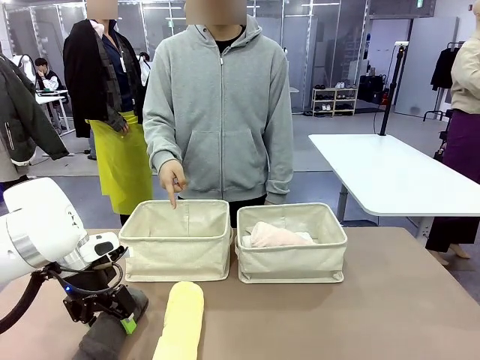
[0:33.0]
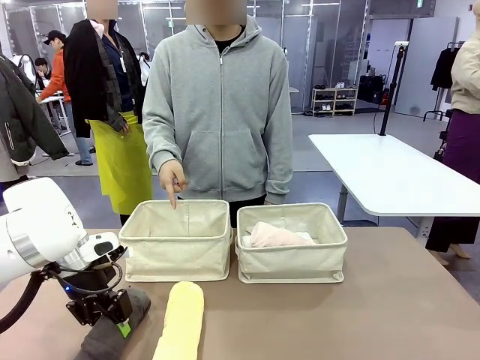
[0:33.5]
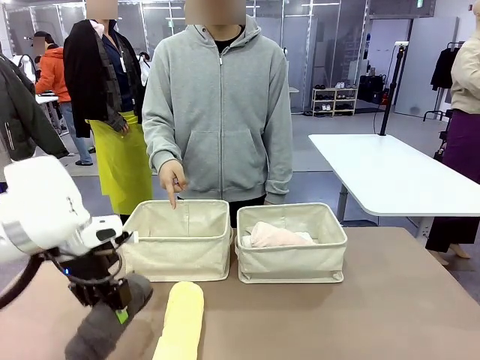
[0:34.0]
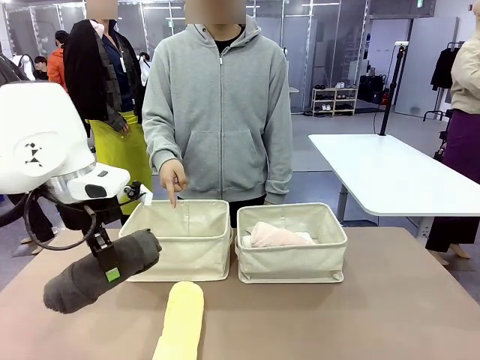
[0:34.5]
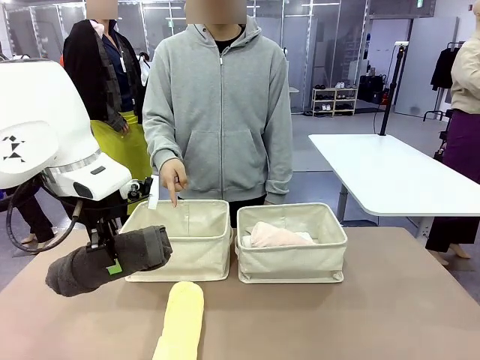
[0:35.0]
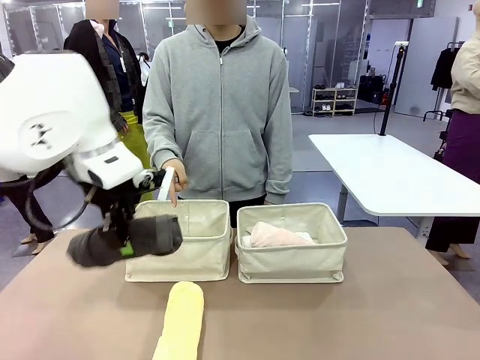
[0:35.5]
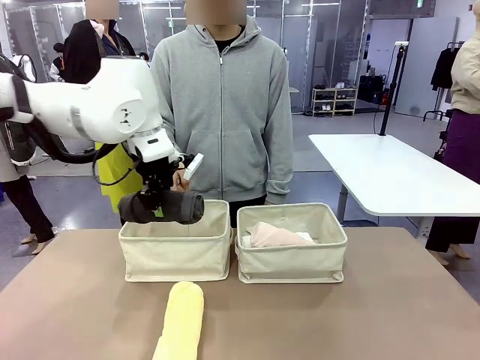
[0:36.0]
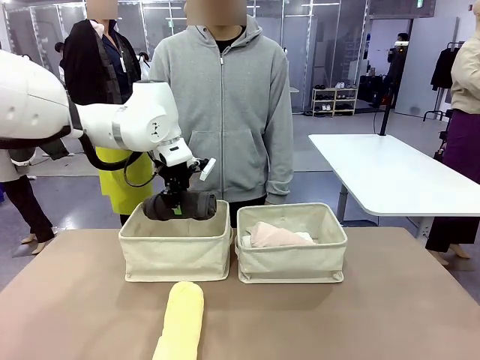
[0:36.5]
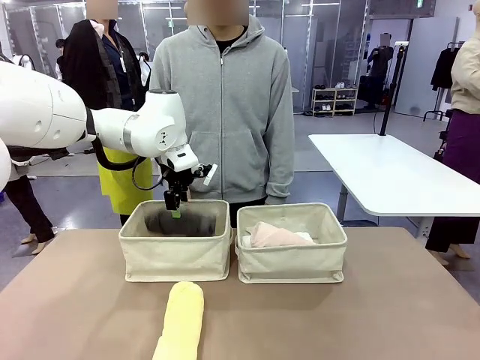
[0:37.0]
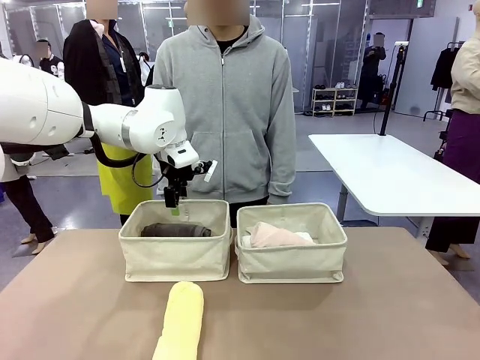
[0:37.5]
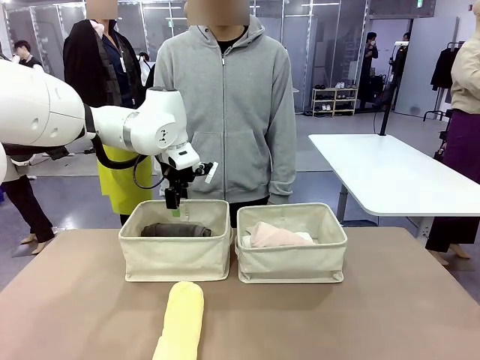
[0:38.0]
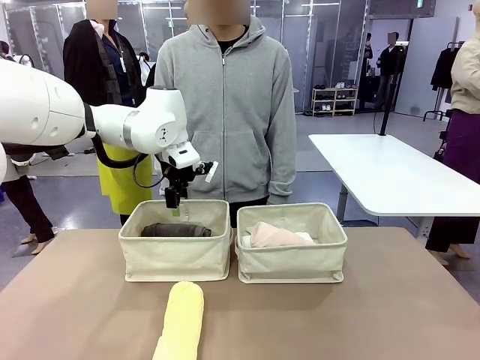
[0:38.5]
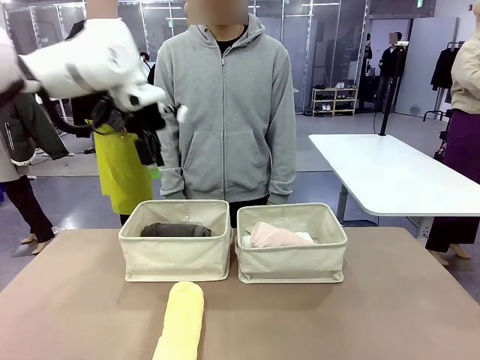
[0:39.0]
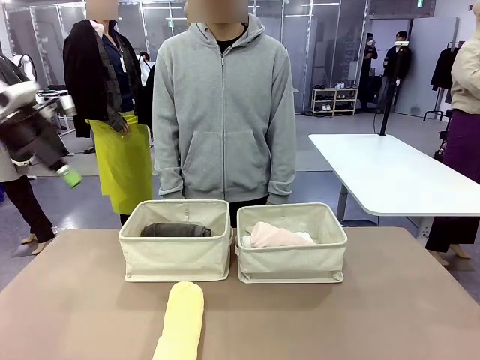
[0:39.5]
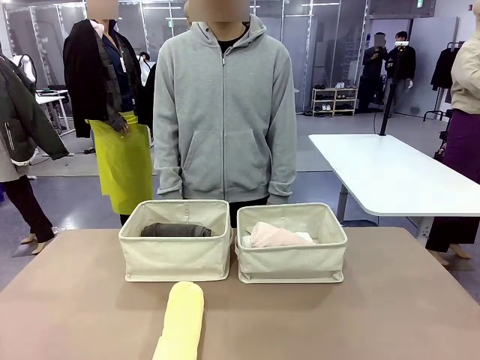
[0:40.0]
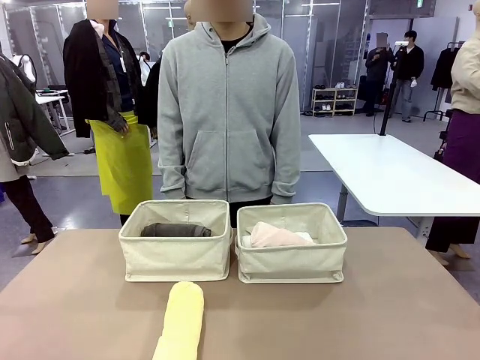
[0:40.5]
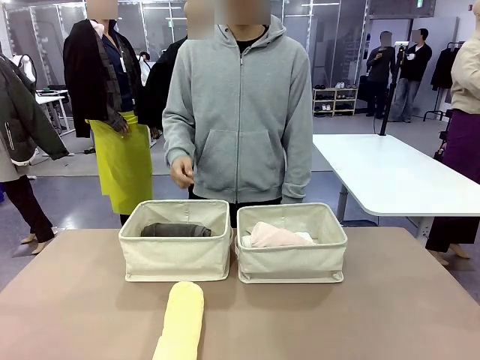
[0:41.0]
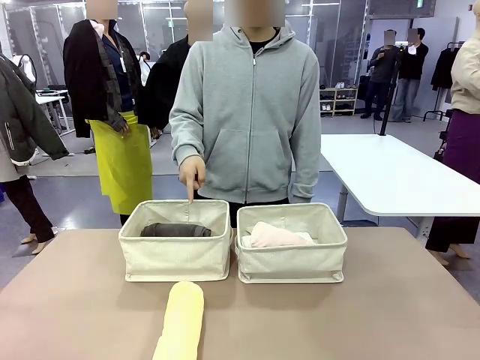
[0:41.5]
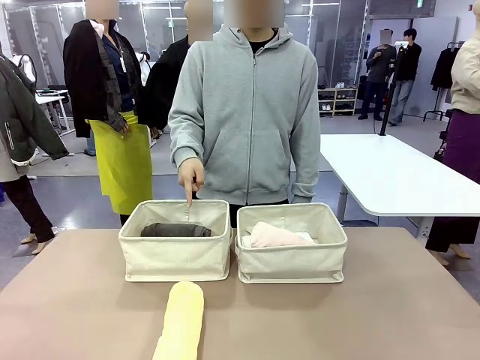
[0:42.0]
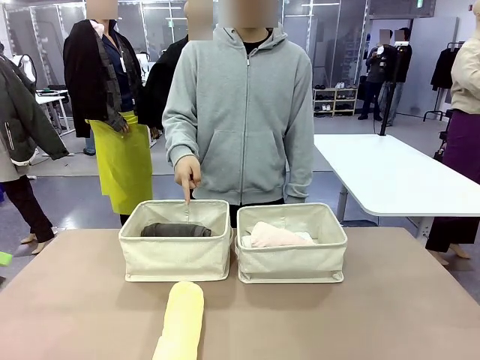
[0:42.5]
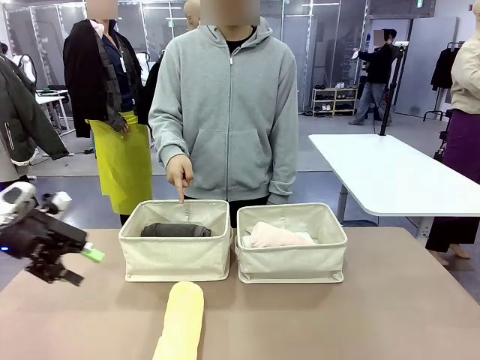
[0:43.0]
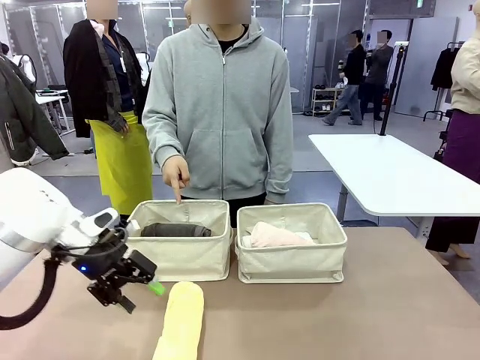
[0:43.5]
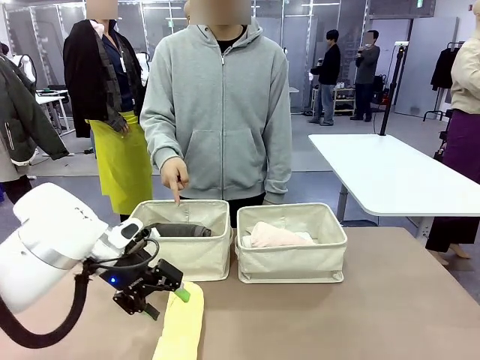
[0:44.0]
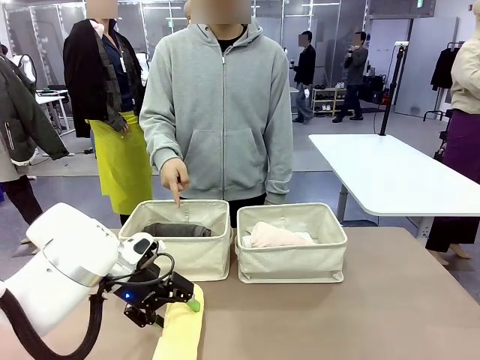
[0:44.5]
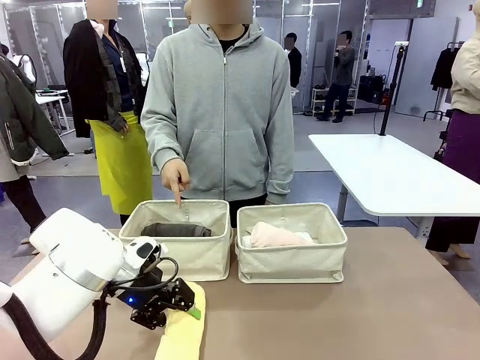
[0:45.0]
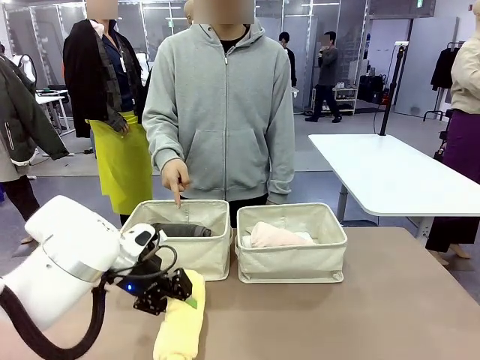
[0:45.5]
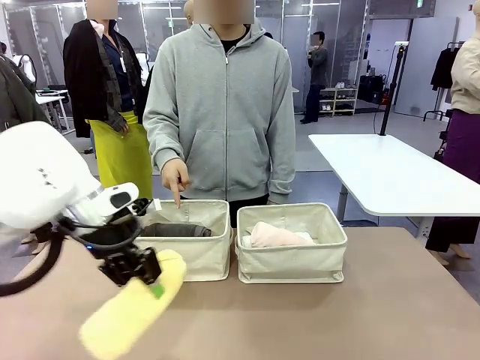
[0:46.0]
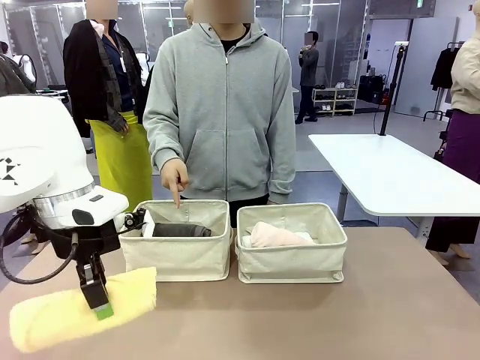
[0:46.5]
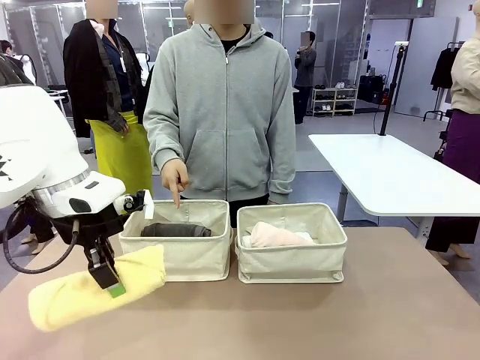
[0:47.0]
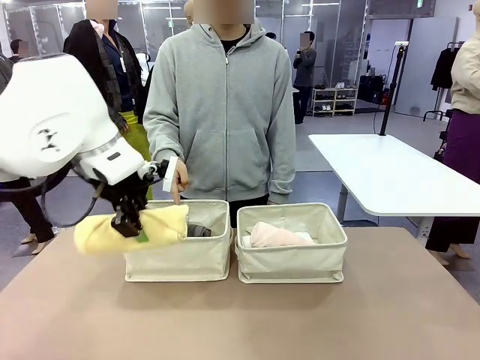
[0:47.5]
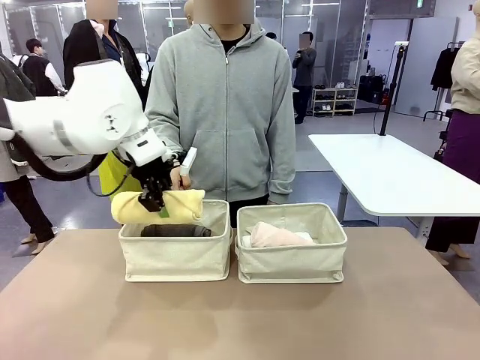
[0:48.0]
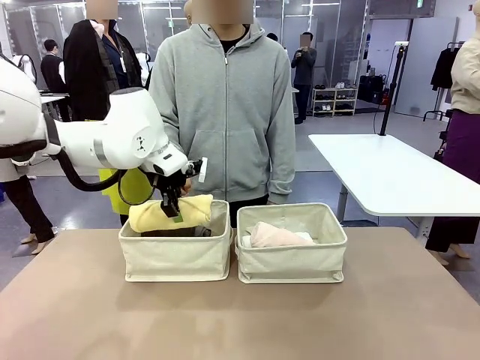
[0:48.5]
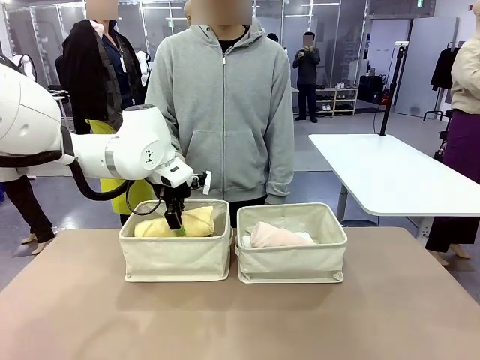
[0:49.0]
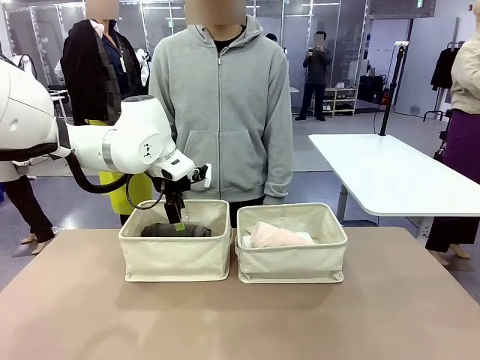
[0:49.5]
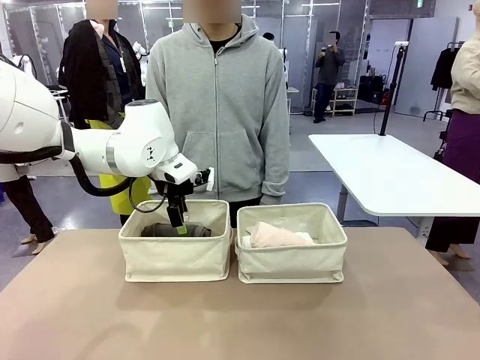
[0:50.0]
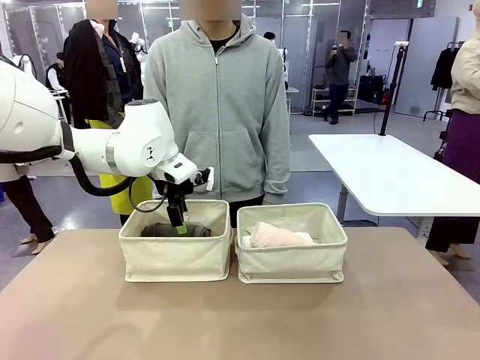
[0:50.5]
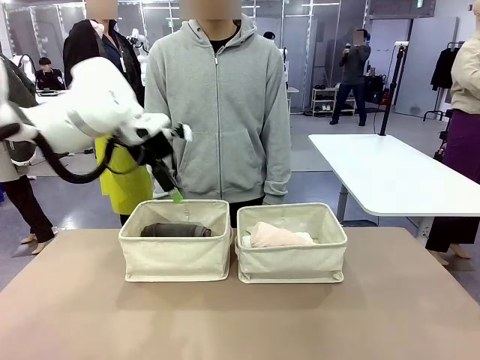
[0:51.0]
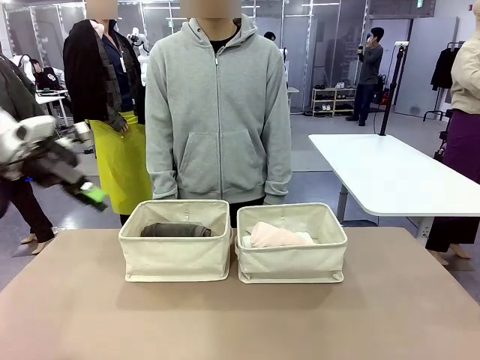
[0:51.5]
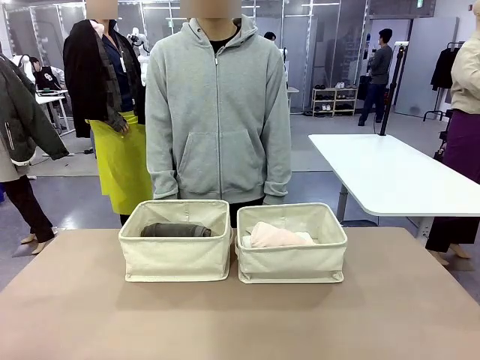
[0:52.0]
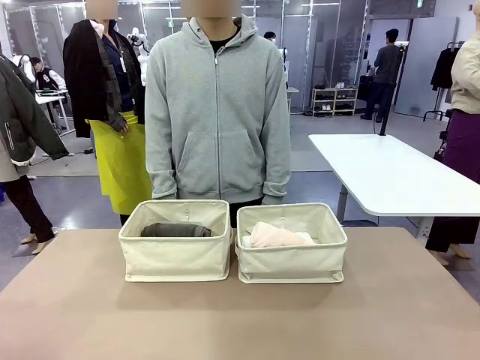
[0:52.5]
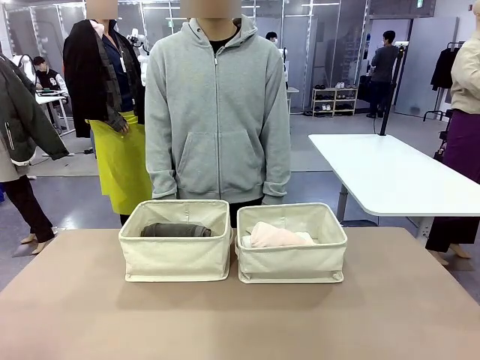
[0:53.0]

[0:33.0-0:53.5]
Task: Divide the towels into two baskets.
Robot: Pick up one hotel-folded towel from the bottom of the table and place it in the Fabric basket indicated by the person.

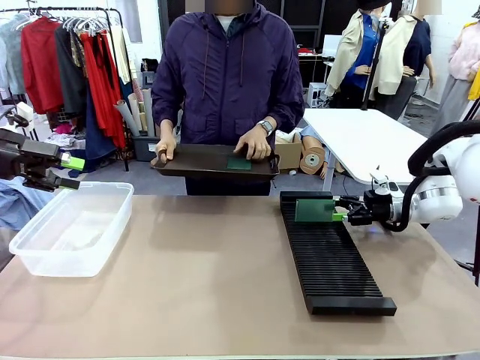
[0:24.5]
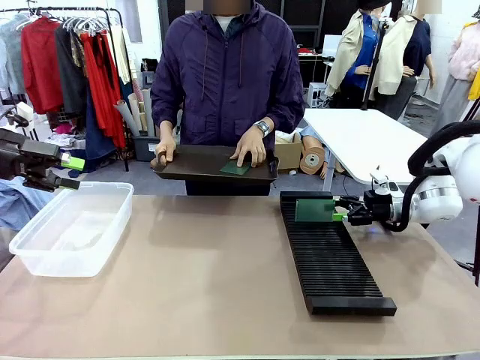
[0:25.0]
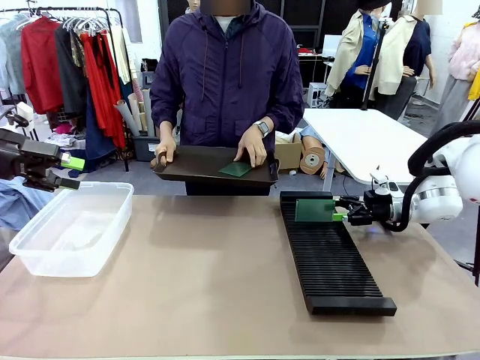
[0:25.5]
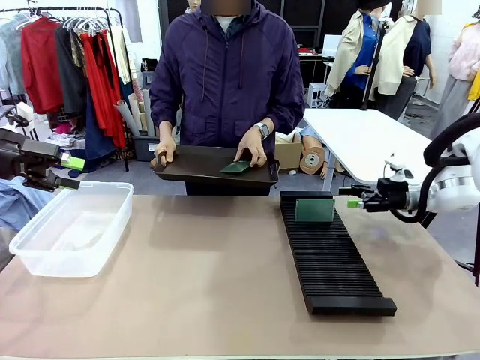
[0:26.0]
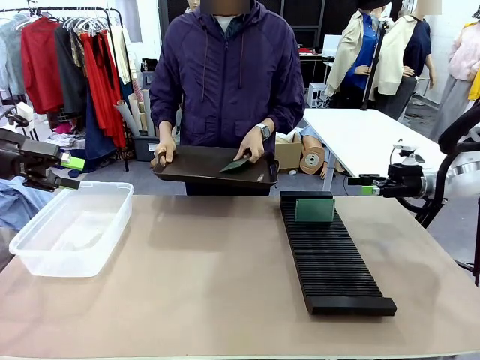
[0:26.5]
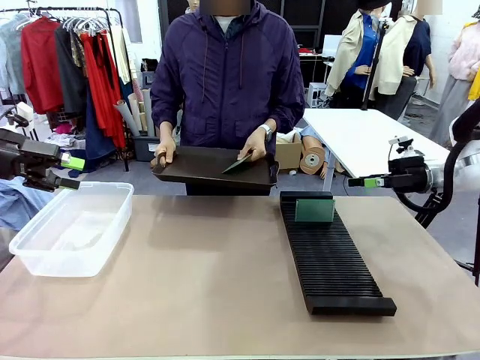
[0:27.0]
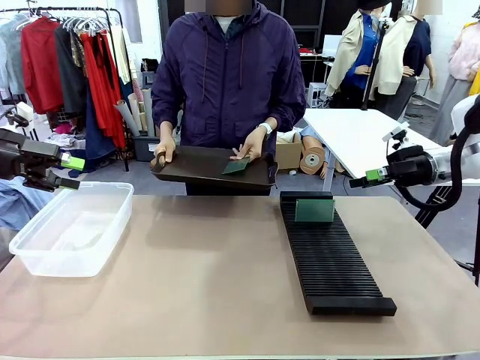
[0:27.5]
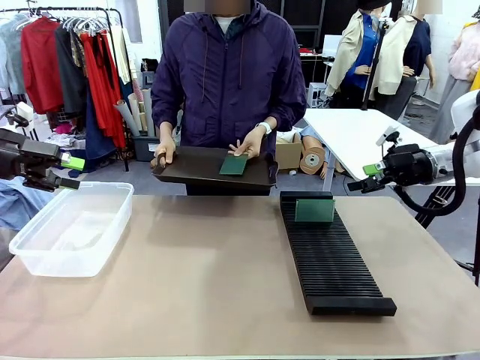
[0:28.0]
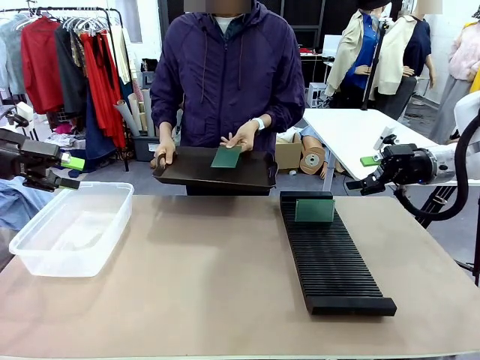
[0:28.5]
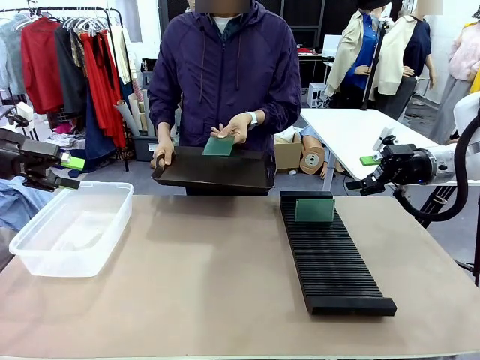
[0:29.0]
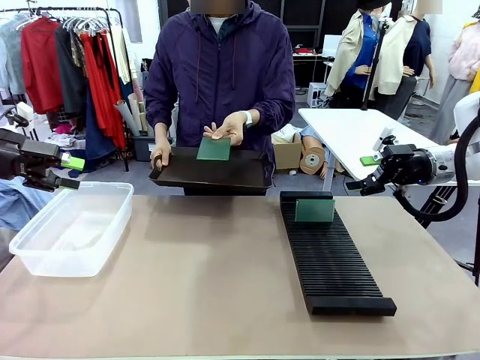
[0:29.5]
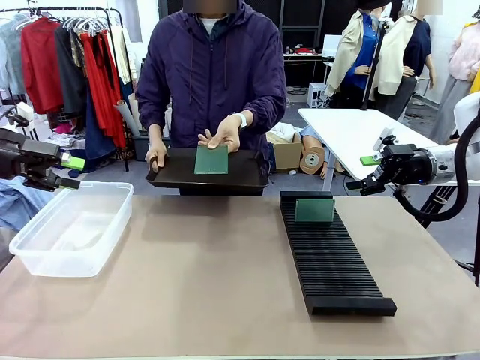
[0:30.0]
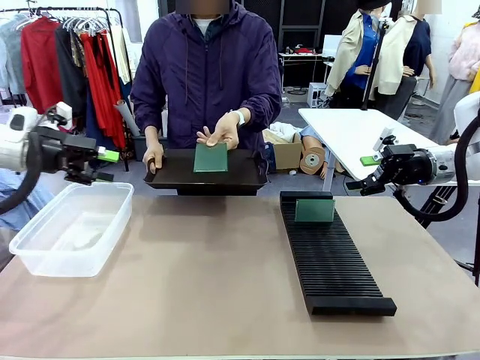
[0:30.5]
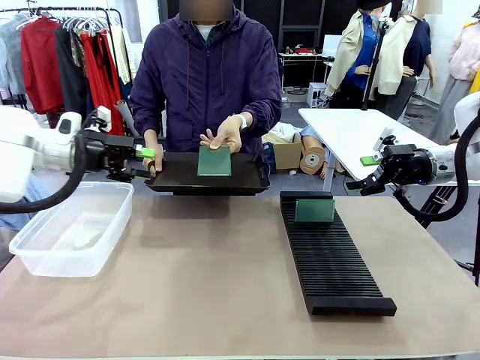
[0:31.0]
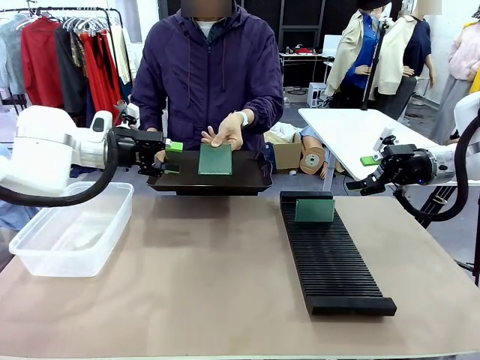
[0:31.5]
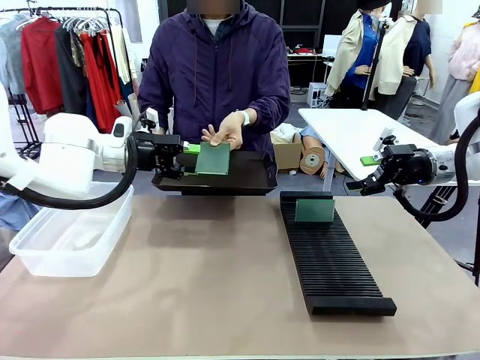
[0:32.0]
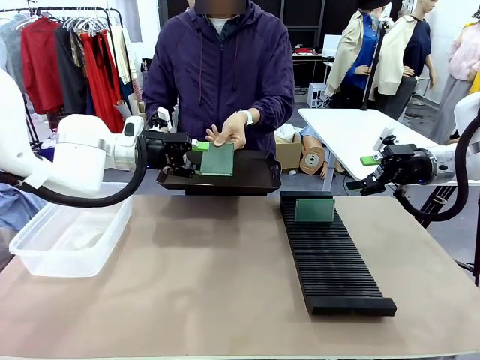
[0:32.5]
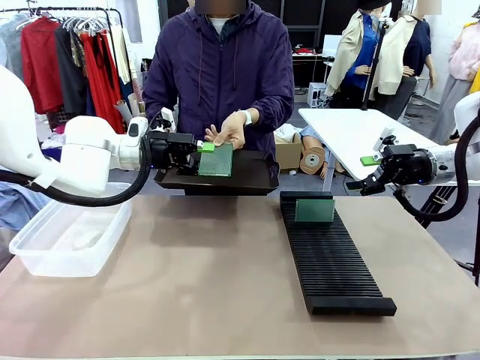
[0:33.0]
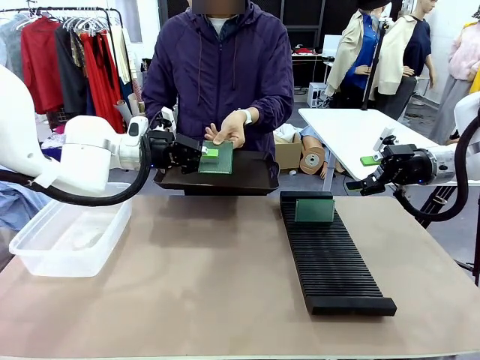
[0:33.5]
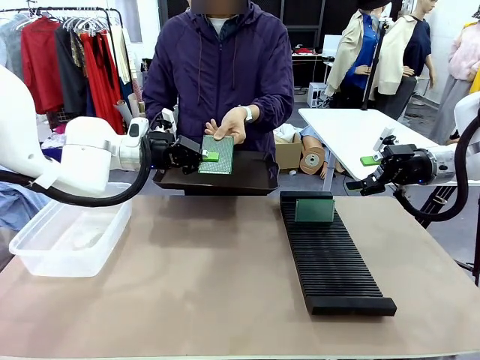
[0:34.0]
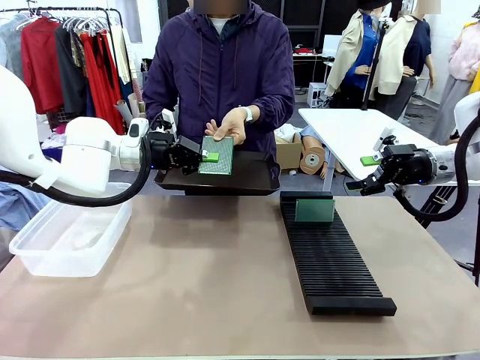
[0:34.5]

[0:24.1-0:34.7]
Task: Sort PCBs into racks and boxes based on the side picked up.
Robot: Pick up the Blank PCB handed by the Human.
